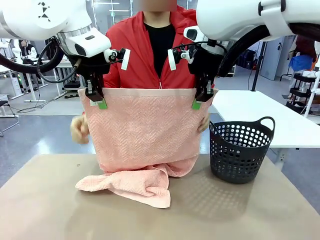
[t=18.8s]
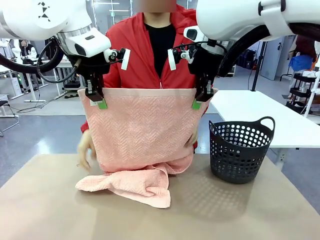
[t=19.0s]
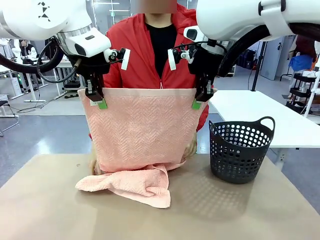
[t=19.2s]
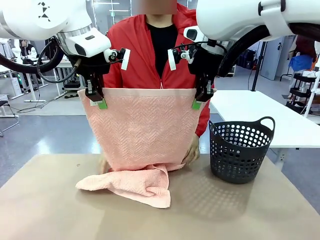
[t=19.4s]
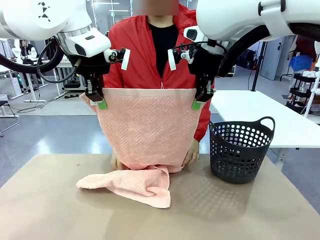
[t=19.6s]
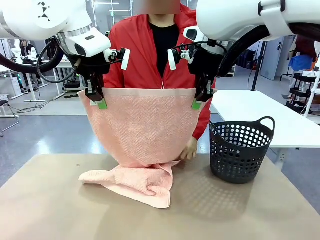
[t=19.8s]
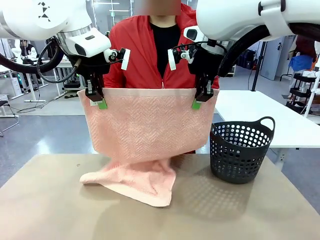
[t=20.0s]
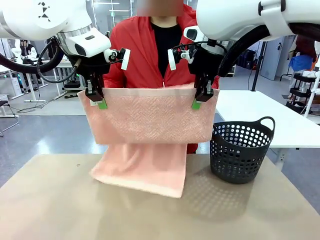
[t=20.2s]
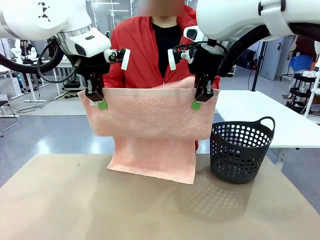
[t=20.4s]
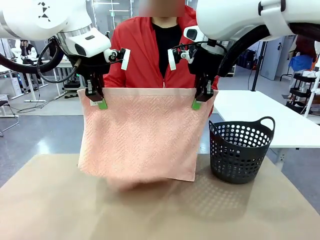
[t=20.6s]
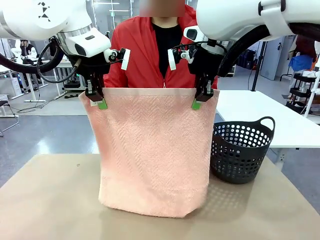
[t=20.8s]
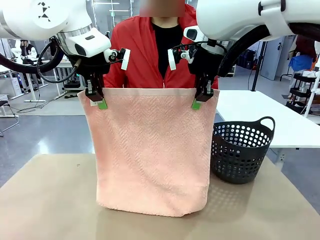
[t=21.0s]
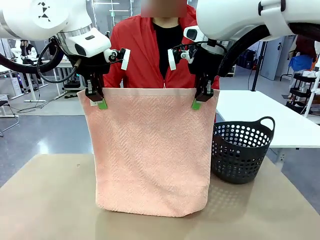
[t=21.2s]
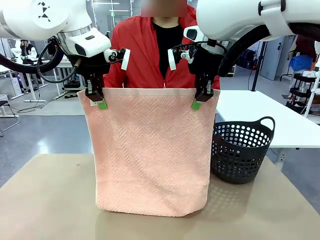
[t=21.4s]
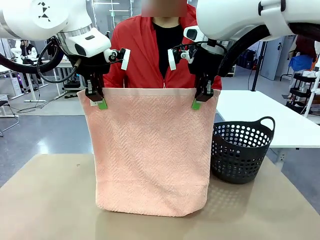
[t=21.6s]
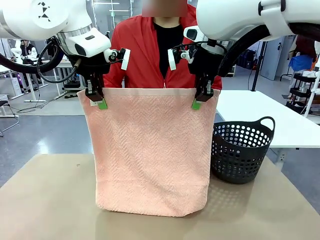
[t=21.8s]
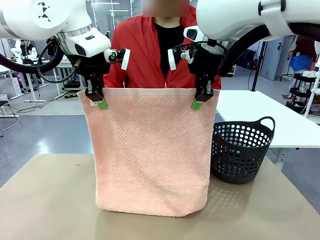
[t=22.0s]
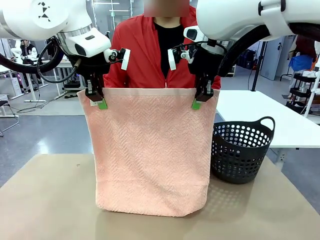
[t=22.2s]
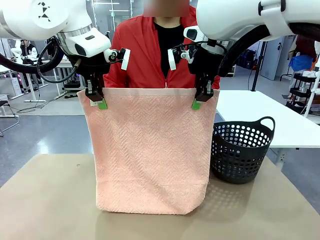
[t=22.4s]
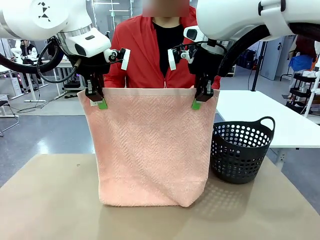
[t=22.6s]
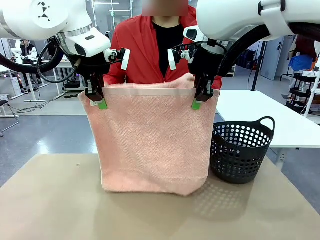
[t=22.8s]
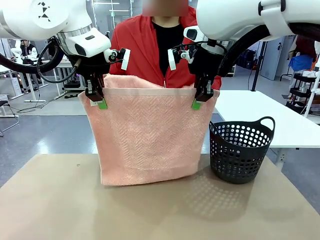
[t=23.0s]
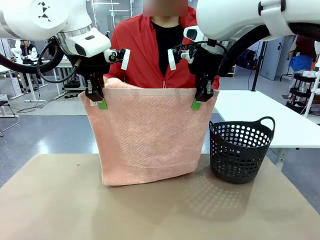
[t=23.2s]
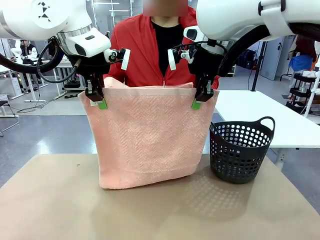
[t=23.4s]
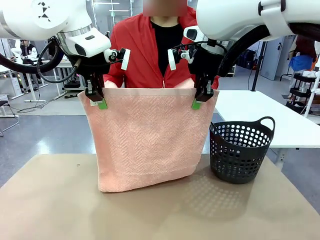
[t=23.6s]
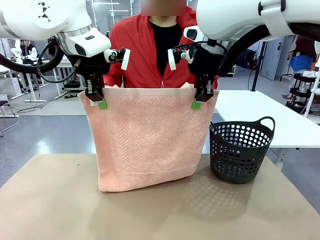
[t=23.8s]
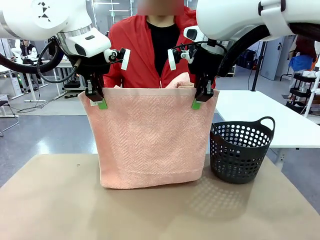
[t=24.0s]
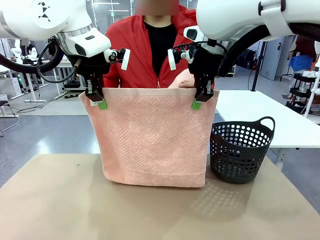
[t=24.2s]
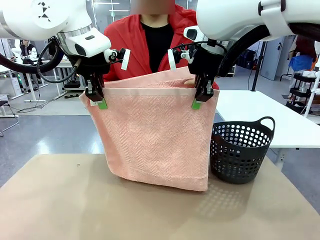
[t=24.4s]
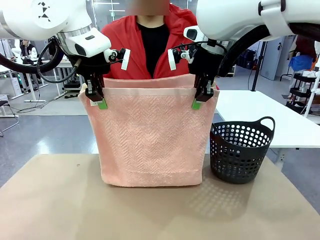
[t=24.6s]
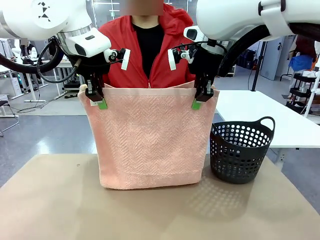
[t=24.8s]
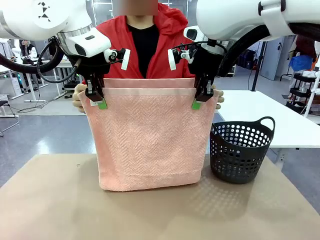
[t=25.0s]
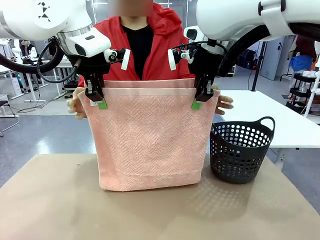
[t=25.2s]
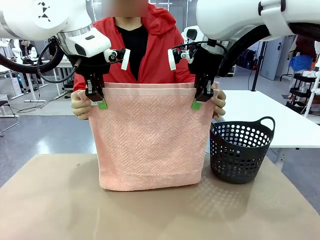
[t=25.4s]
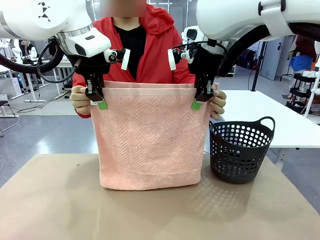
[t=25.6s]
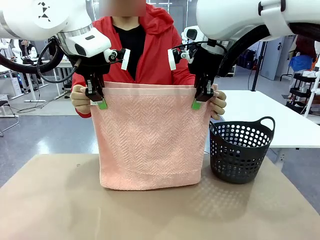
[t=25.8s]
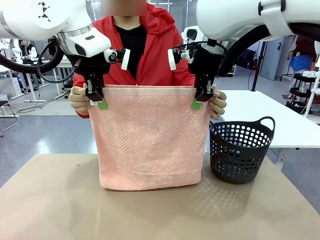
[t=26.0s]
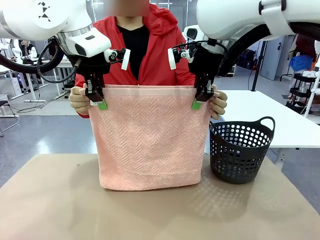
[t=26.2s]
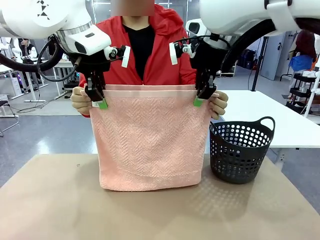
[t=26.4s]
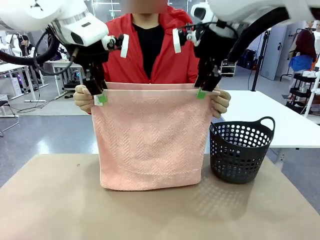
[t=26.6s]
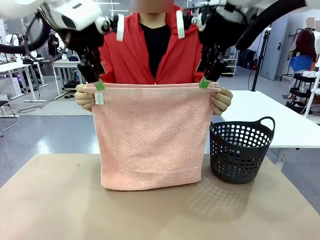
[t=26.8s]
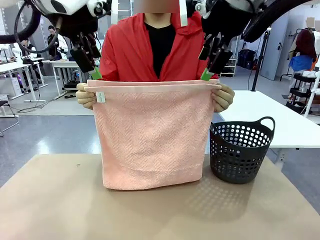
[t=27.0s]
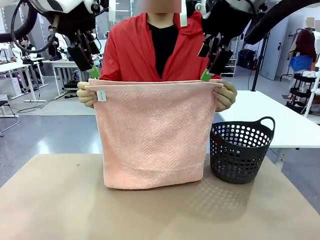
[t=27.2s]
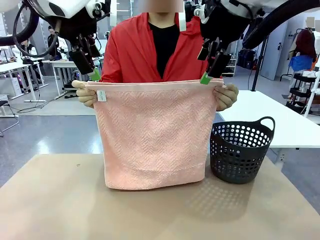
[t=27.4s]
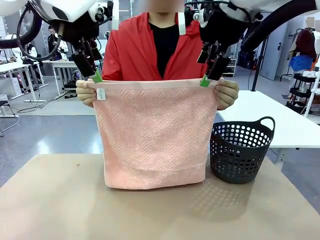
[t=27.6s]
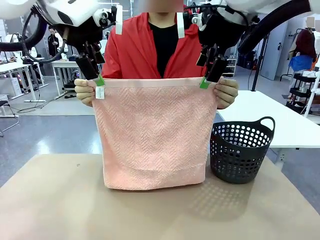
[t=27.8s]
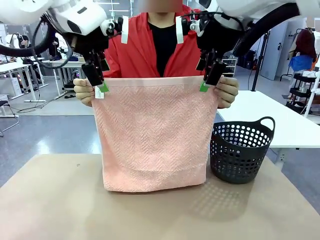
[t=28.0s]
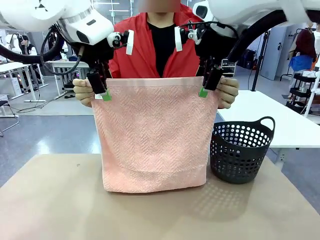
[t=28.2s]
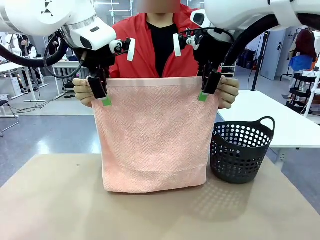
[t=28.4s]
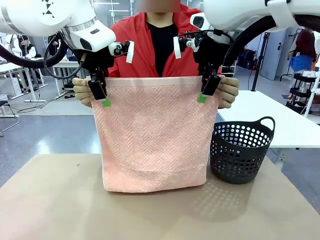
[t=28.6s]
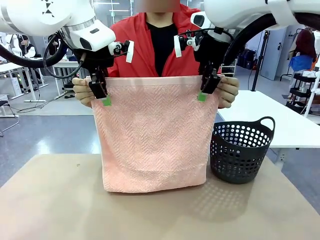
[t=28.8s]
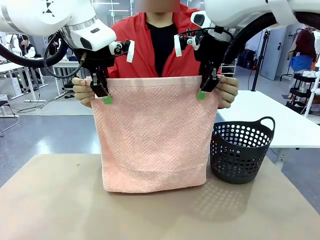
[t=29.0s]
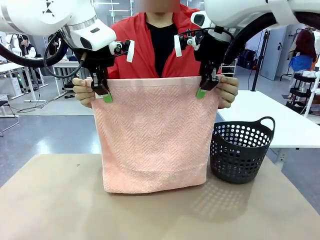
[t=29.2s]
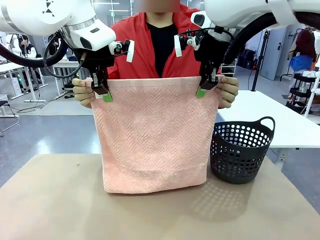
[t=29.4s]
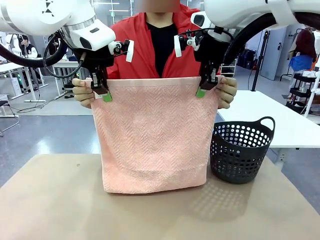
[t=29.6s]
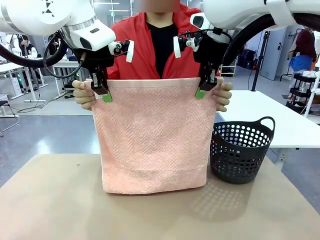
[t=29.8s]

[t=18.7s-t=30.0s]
Task: Fold the towel.
Robot: Release the end of the 100 cm Hotel Towel you were holding and grab the top end of the folded side.
Person: Using the point held by the robot as a reference, grasp the opposite end, fold the towel in half, and then hold both ends of the folded towel.

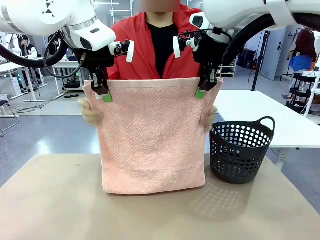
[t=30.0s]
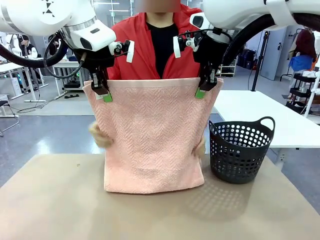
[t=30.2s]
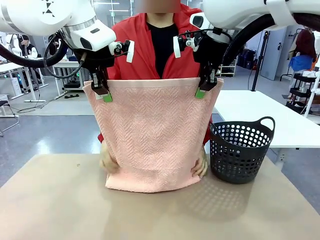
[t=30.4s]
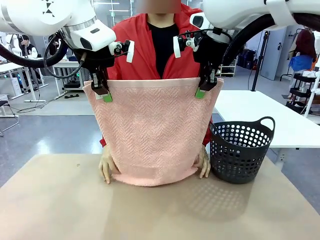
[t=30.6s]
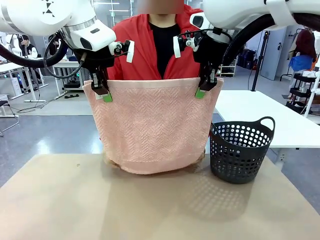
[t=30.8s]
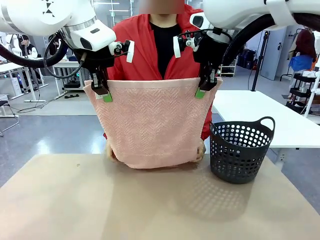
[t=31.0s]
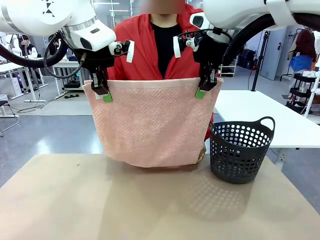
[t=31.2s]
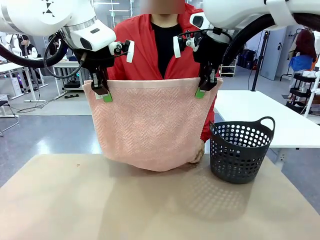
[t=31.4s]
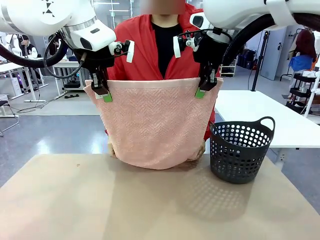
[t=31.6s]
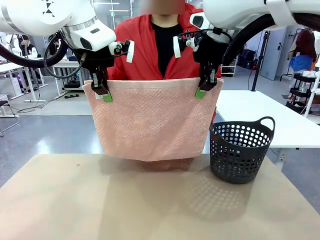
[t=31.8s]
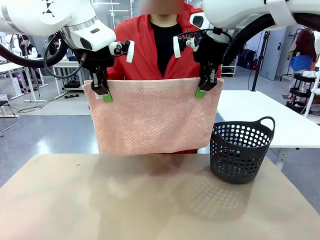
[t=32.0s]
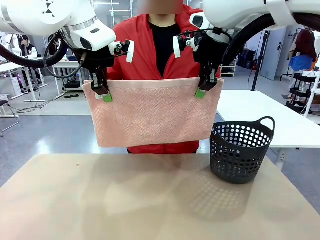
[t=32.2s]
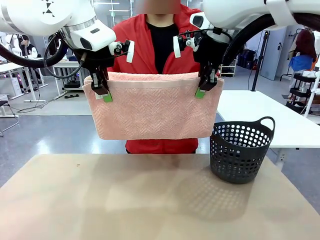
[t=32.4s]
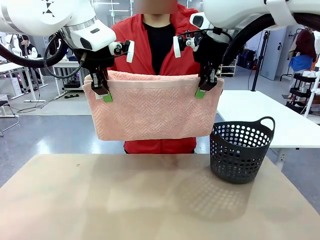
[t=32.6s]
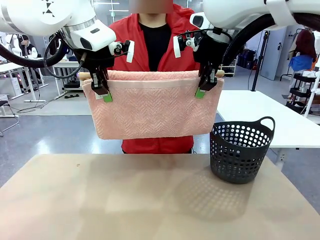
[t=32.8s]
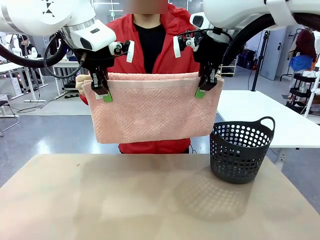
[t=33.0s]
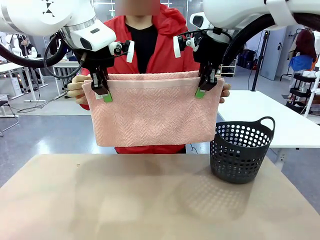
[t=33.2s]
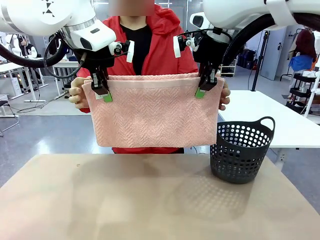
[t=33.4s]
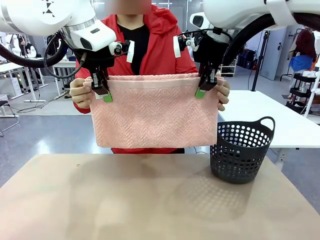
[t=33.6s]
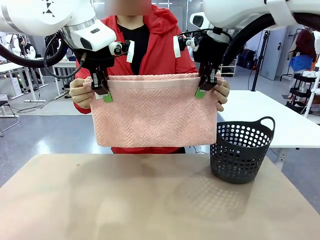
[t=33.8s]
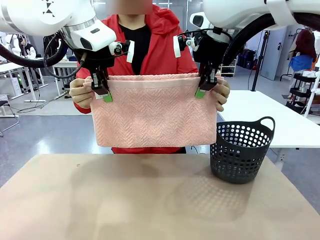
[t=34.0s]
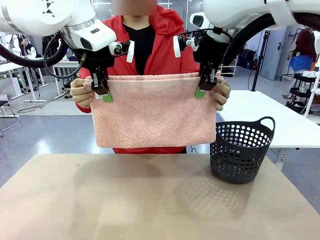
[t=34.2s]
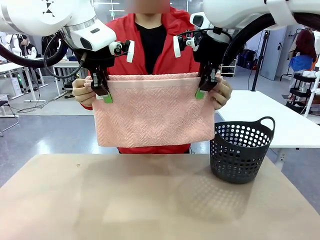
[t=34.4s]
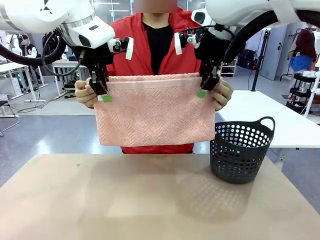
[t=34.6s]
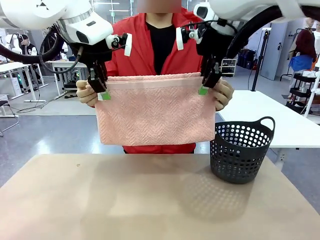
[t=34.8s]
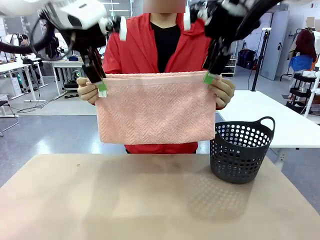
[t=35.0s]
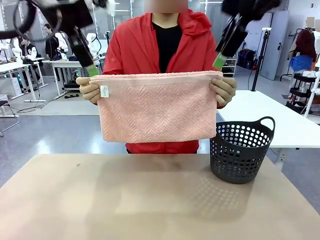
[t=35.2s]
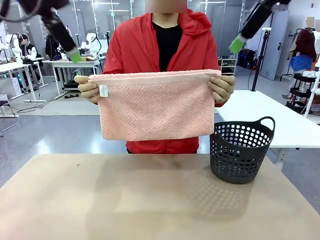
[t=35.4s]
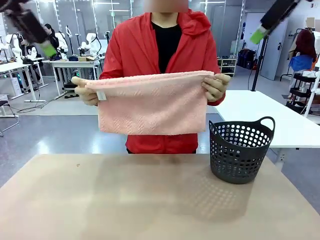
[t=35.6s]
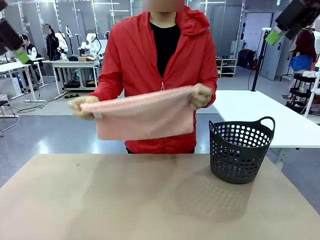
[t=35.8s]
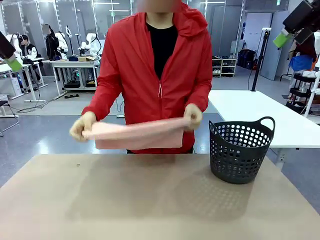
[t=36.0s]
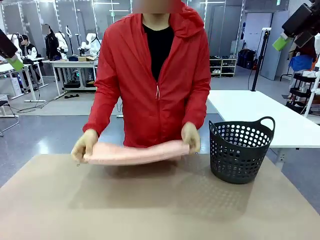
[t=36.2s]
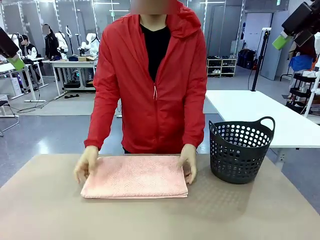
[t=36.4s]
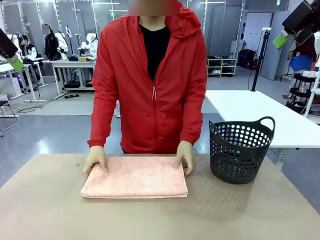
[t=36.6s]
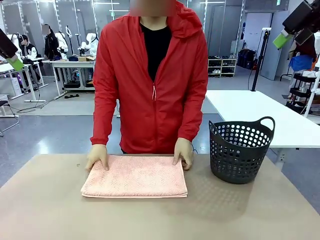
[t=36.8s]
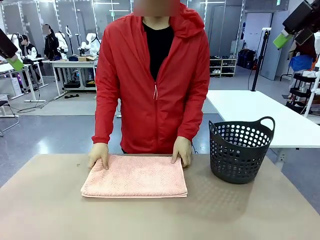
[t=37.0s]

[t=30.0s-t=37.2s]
Robot: Release the end of the 100 cm Hotel Towel you were holding.
Person: Place the towel at the center of the robot table and fold it in half.
